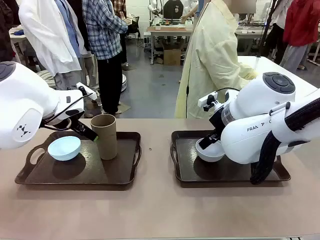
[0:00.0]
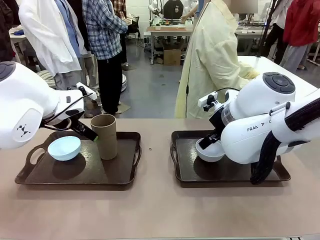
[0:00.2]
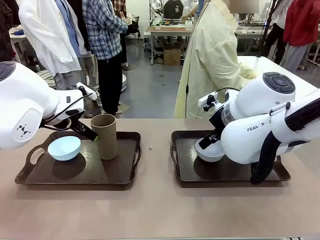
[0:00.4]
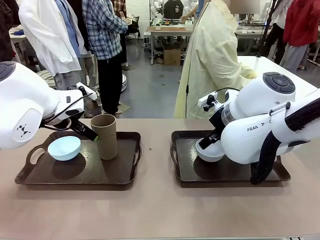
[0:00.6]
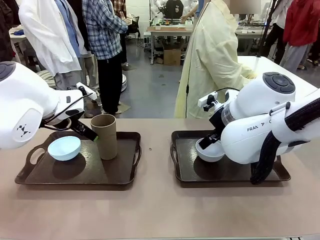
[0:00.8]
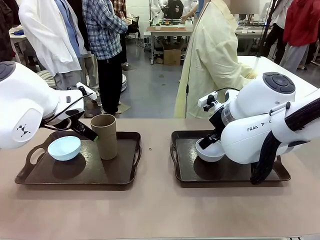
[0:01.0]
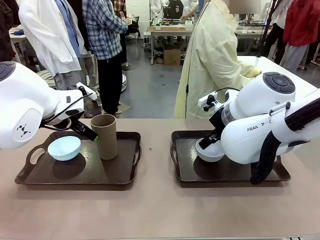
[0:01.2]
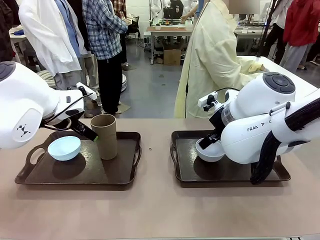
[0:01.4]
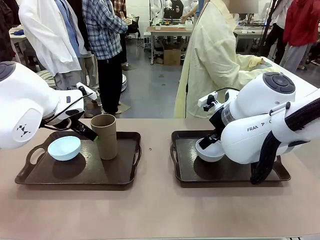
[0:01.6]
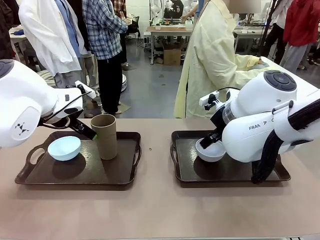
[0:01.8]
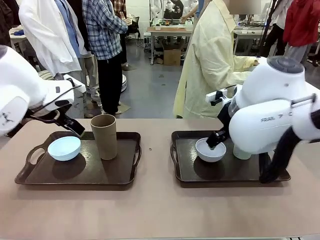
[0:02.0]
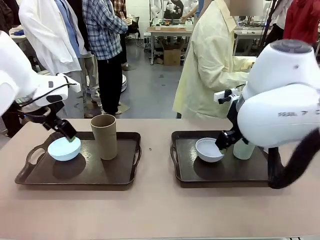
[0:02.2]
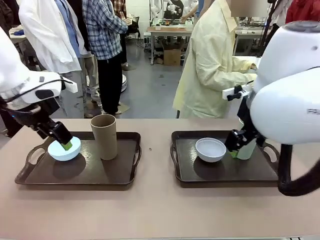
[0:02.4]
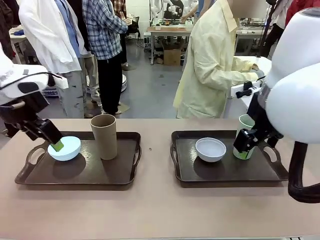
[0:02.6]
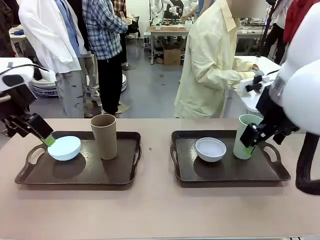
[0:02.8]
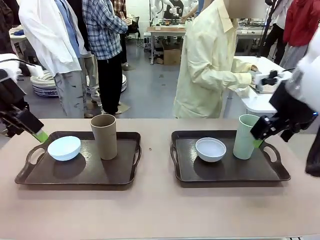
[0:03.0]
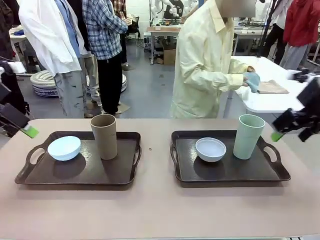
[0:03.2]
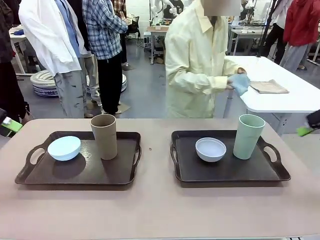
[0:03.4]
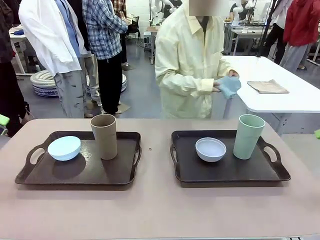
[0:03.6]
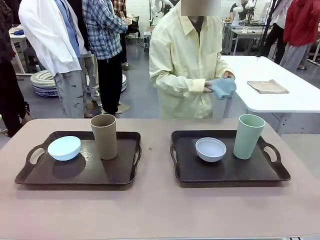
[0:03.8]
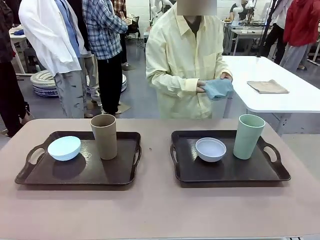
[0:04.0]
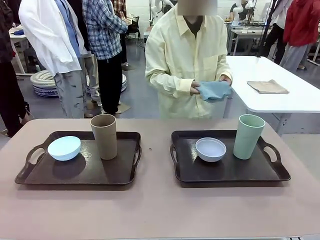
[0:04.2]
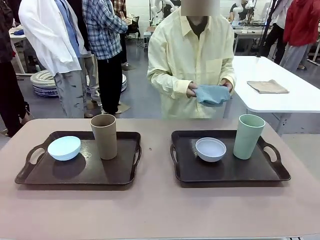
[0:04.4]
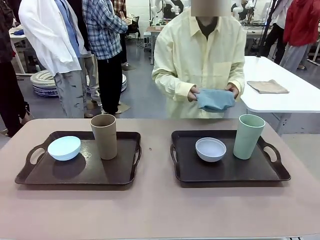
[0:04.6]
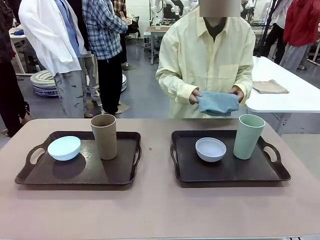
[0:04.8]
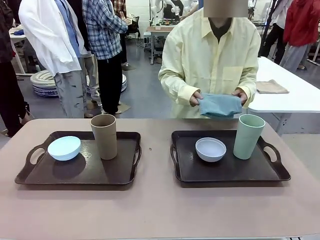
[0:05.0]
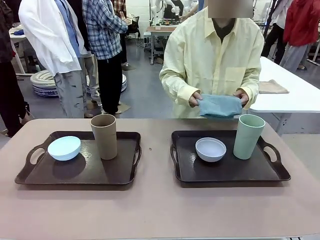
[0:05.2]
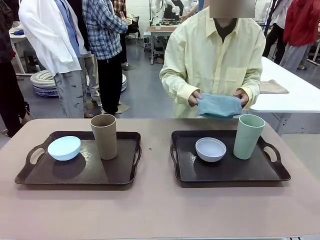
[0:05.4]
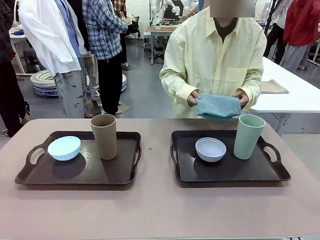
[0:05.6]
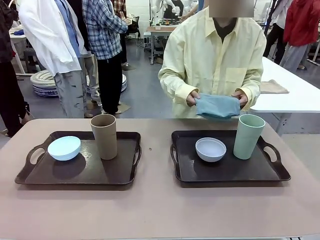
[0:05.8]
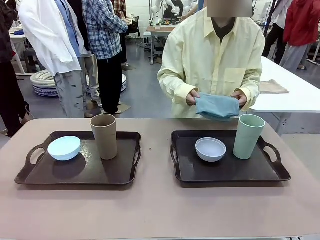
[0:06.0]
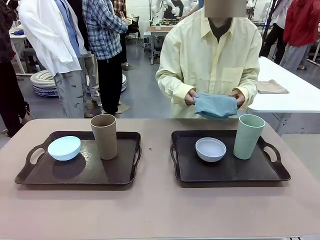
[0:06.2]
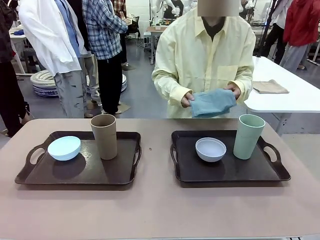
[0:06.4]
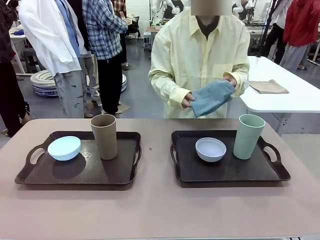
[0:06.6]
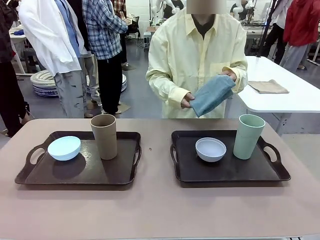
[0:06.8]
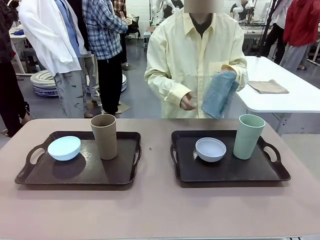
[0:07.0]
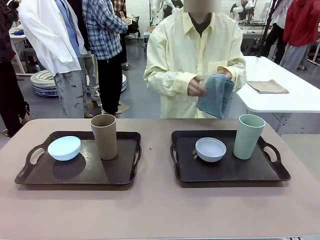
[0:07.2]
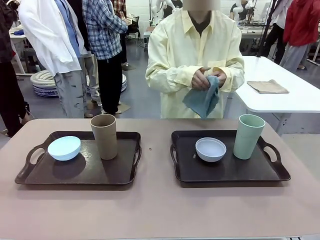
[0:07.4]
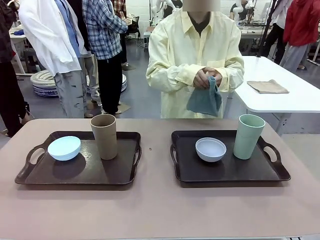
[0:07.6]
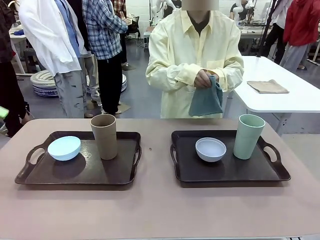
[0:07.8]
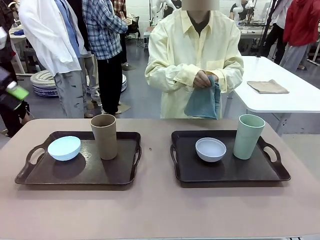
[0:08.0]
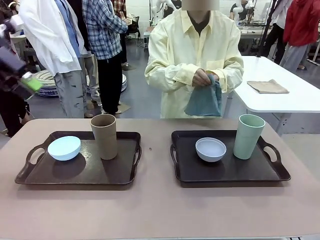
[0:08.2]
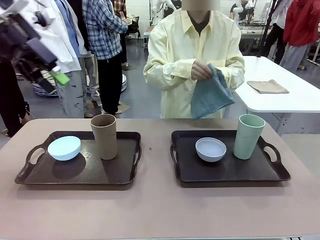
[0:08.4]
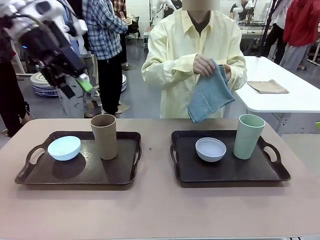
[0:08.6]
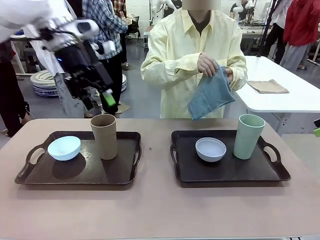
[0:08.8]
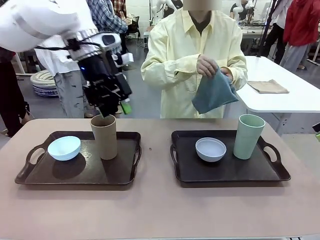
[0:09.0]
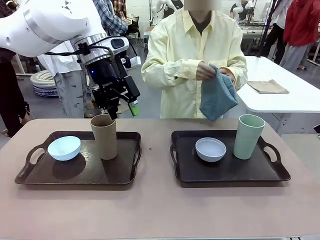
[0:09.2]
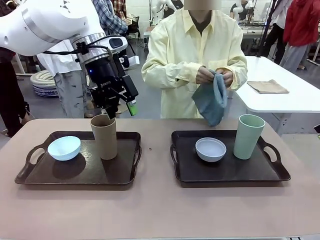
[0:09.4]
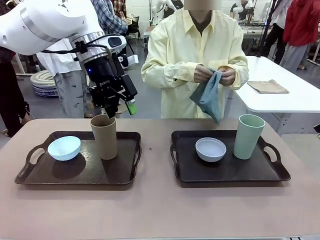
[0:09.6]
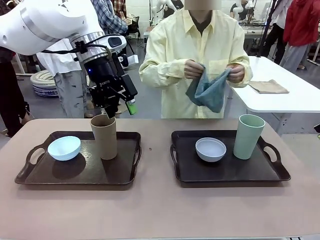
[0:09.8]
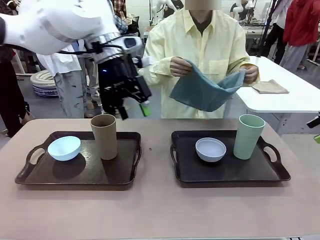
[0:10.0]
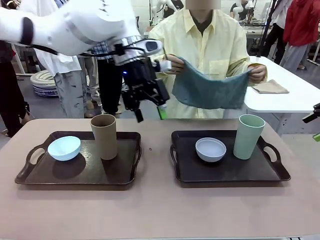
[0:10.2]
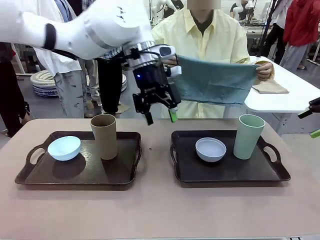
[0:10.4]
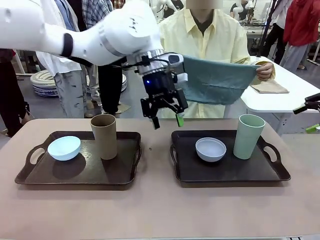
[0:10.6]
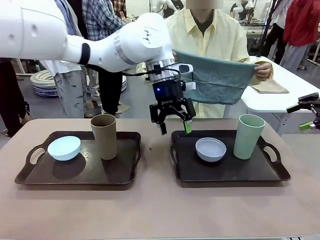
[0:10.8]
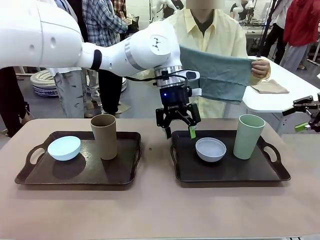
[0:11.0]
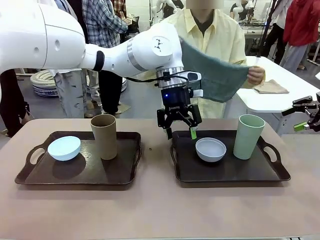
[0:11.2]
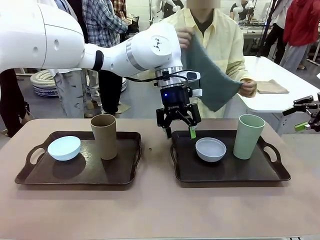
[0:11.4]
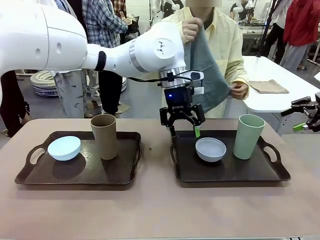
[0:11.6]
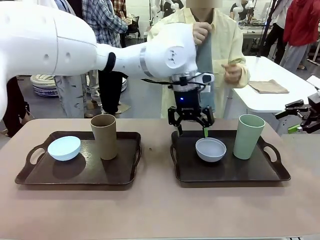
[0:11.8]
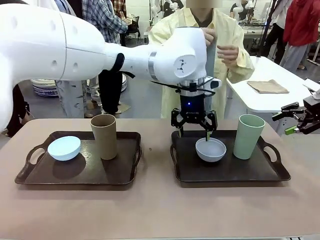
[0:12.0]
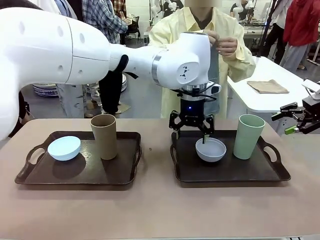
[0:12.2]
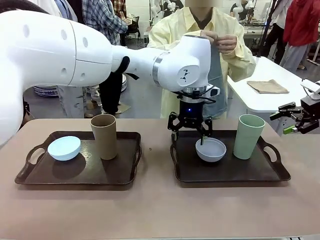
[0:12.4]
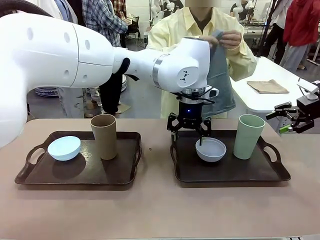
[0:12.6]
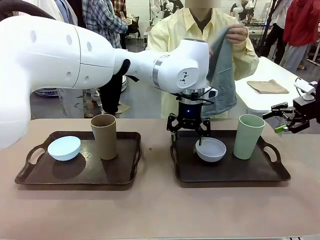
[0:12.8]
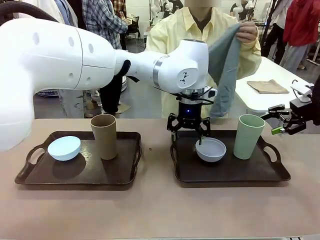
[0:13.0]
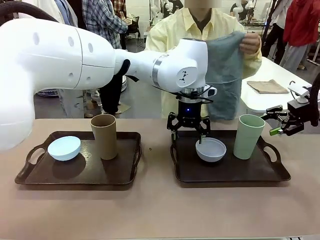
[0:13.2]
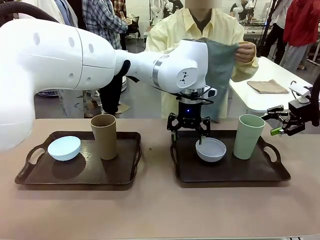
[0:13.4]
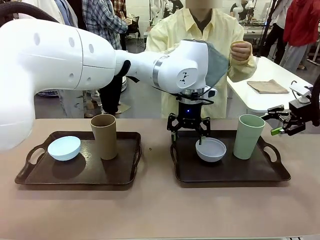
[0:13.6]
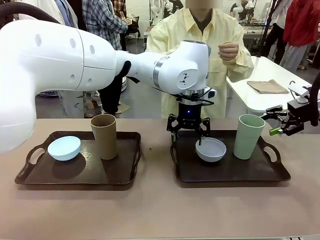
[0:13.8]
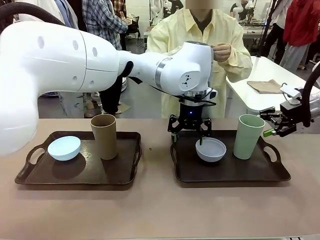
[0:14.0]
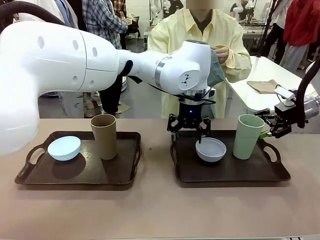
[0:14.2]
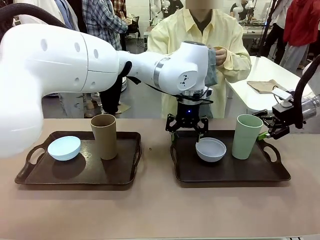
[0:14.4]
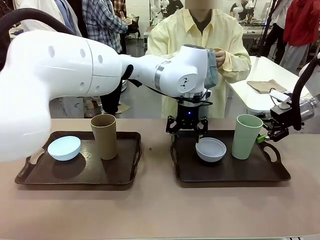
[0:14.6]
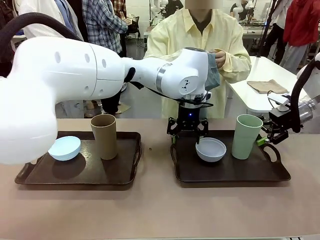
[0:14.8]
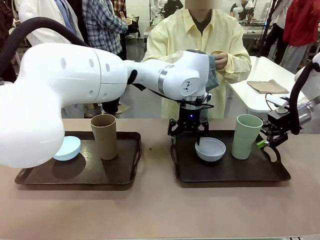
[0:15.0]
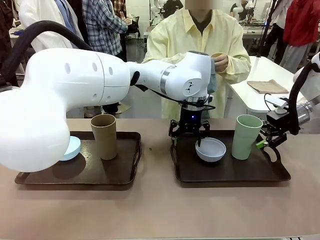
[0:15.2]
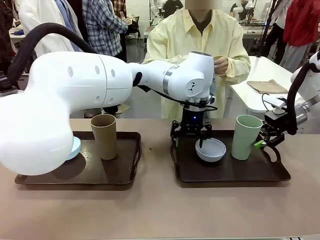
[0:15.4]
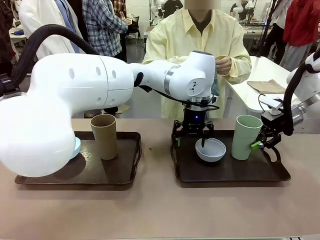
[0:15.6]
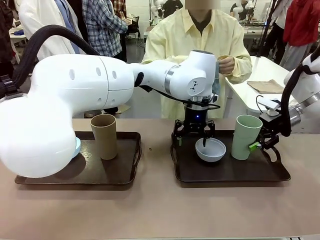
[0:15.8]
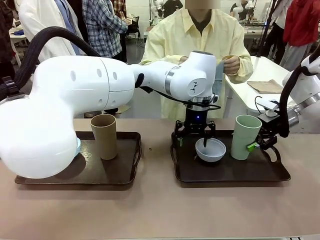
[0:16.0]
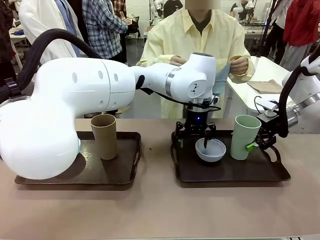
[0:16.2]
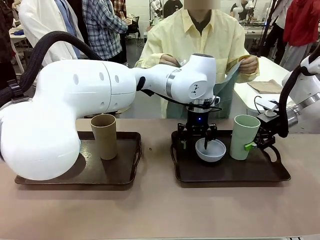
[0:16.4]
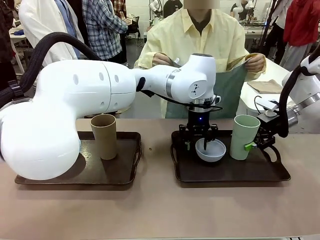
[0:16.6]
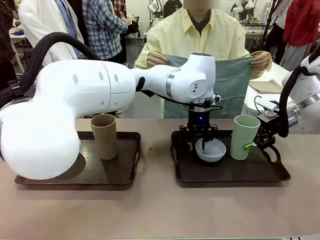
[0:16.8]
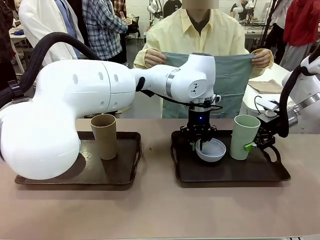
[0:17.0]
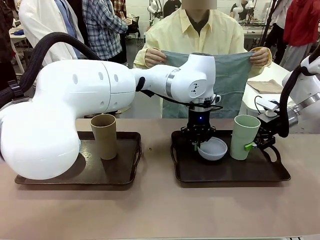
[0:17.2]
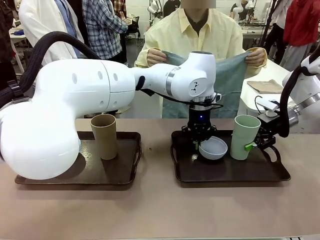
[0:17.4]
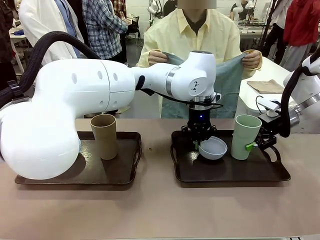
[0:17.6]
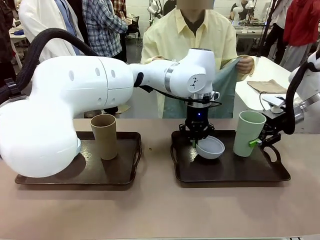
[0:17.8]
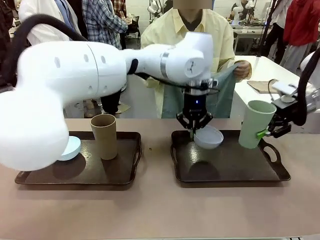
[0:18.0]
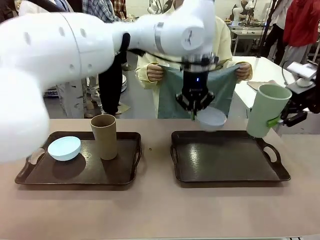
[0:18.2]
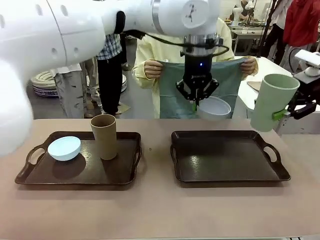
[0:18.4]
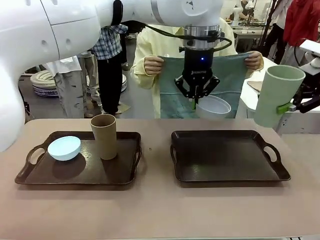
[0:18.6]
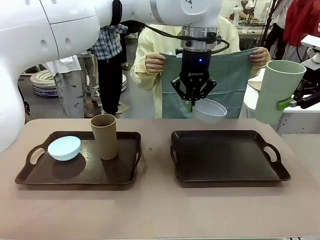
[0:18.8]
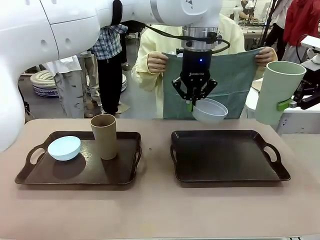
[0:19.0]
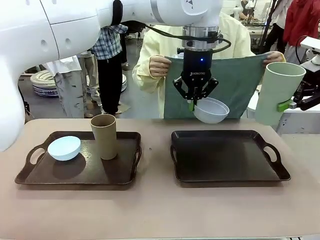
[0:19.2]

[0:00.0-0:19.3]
Robot: Pick up the Picnic Bowl and Reusable plastic cup from the Handle tray in front of the human's position and hold them in the air.
Person: The human picks up the top napkin from the stack on the human table and walks to the robot table to stand in front of one of the two trays. When the robot lifts the bowl and the cup, the human unfolds the napkin and lays the napkin flat on the tray.
